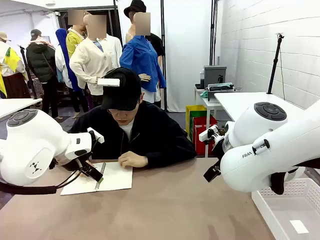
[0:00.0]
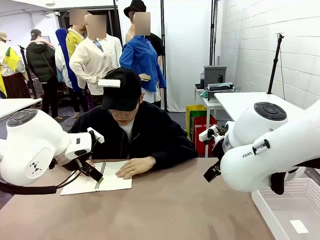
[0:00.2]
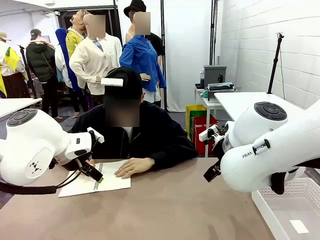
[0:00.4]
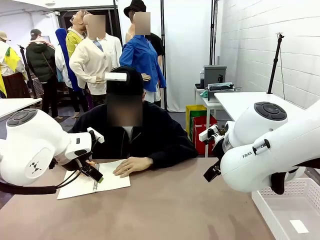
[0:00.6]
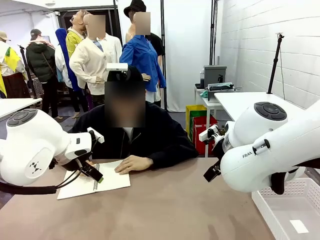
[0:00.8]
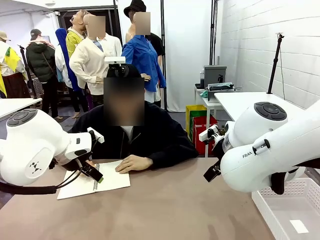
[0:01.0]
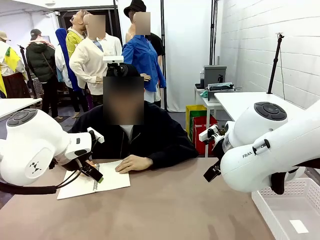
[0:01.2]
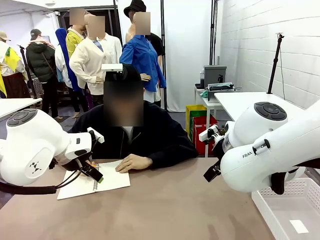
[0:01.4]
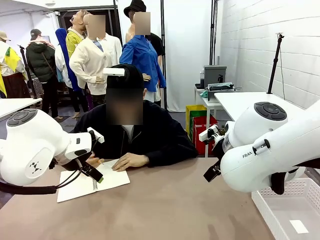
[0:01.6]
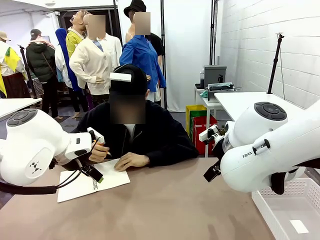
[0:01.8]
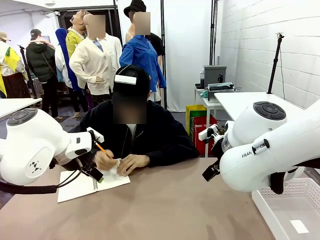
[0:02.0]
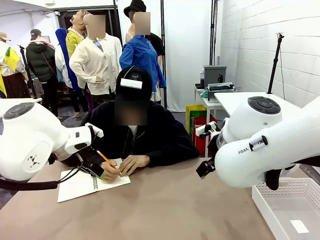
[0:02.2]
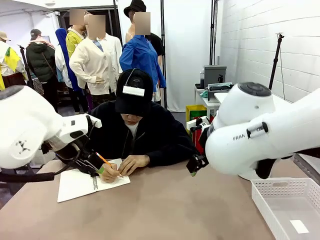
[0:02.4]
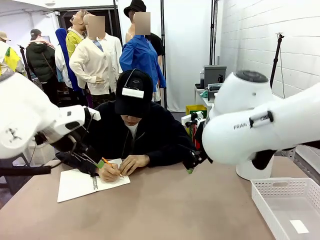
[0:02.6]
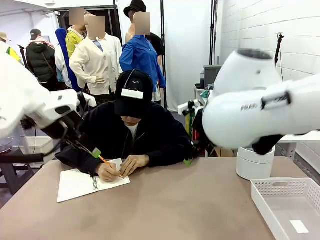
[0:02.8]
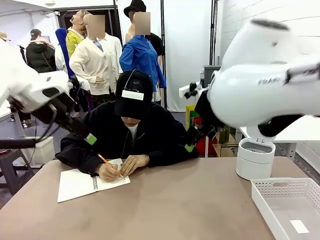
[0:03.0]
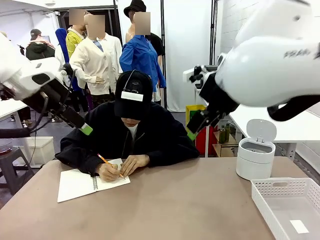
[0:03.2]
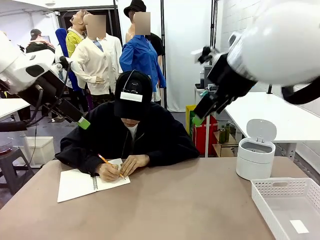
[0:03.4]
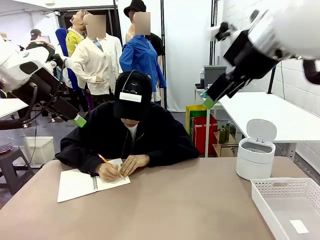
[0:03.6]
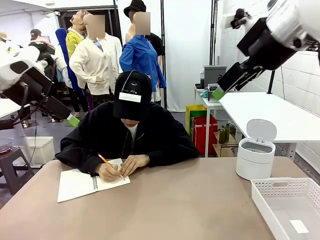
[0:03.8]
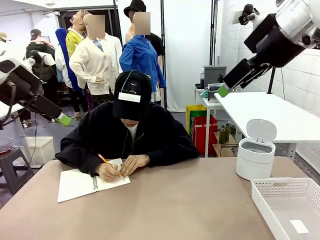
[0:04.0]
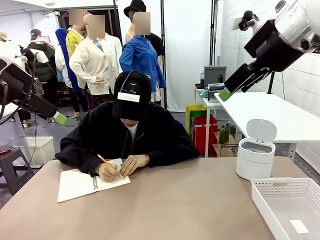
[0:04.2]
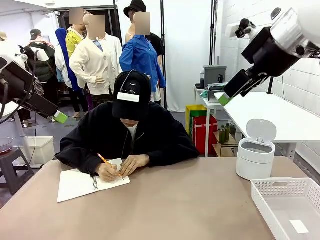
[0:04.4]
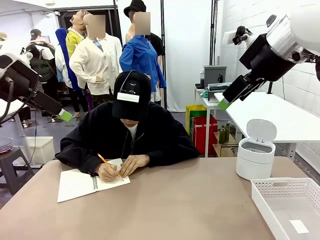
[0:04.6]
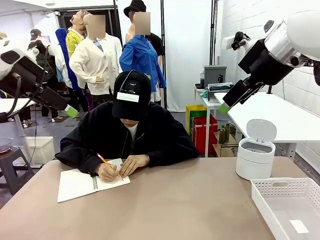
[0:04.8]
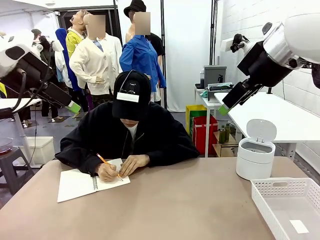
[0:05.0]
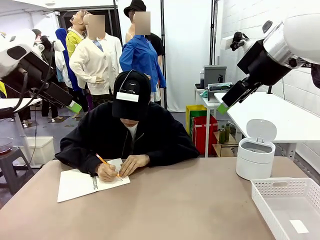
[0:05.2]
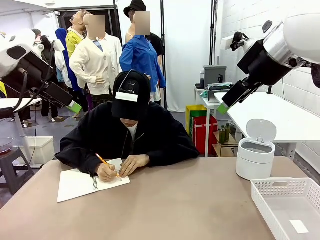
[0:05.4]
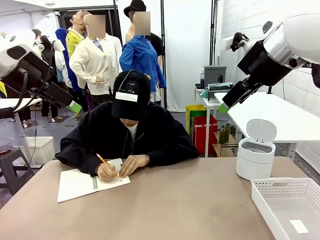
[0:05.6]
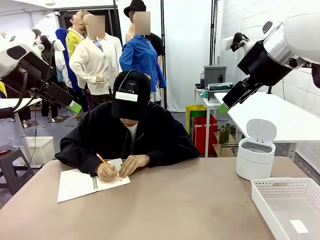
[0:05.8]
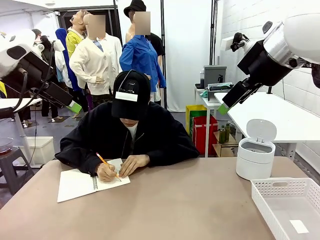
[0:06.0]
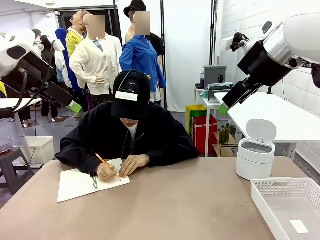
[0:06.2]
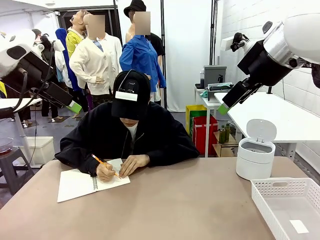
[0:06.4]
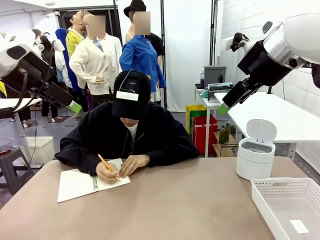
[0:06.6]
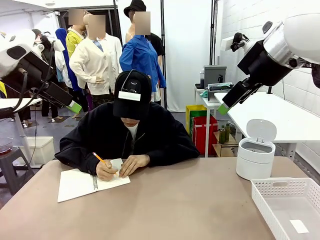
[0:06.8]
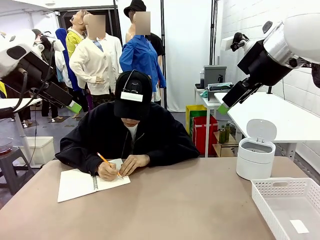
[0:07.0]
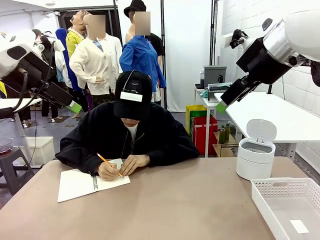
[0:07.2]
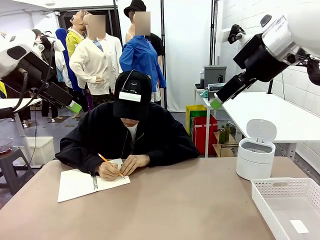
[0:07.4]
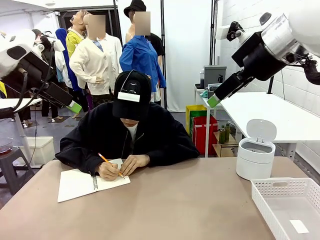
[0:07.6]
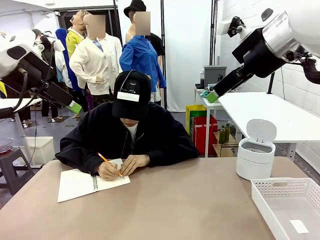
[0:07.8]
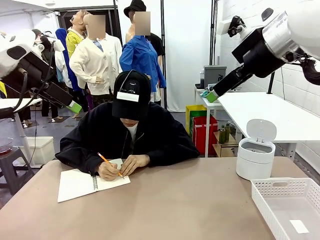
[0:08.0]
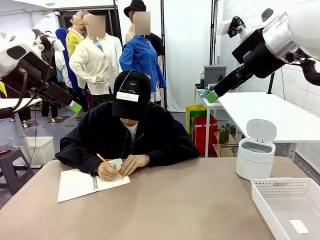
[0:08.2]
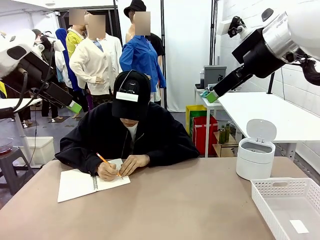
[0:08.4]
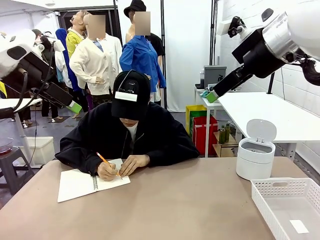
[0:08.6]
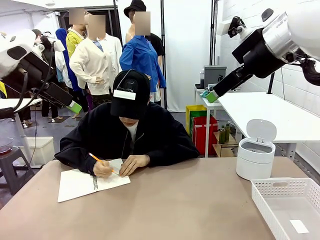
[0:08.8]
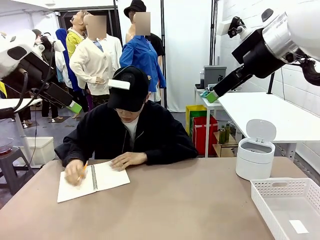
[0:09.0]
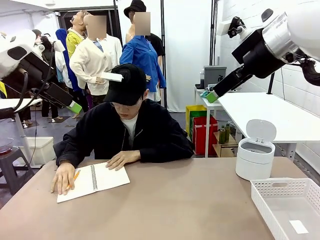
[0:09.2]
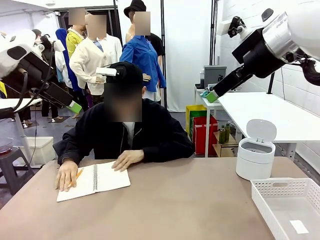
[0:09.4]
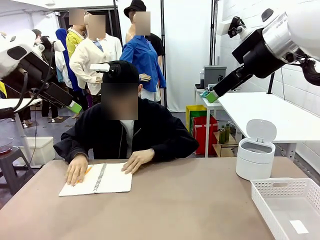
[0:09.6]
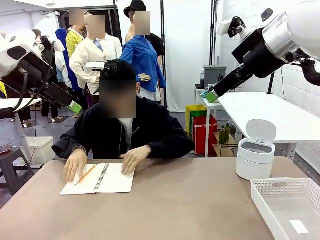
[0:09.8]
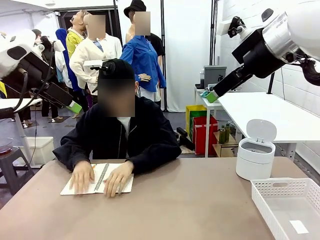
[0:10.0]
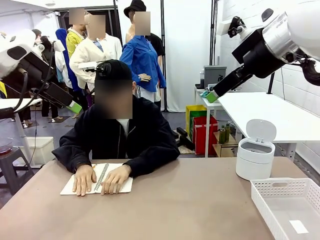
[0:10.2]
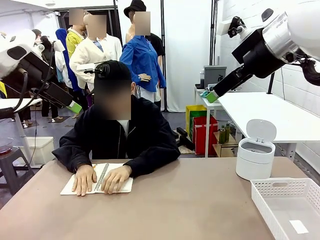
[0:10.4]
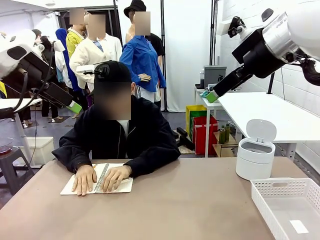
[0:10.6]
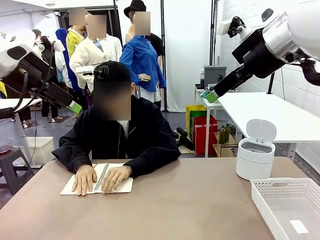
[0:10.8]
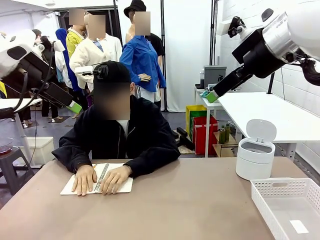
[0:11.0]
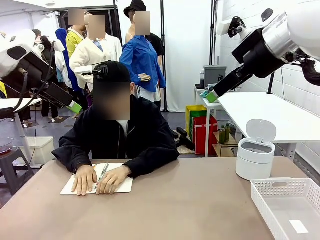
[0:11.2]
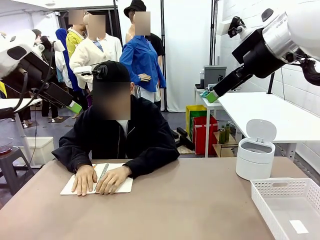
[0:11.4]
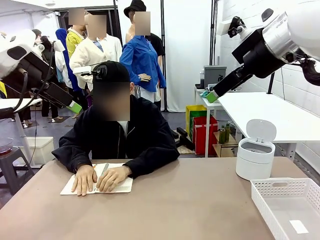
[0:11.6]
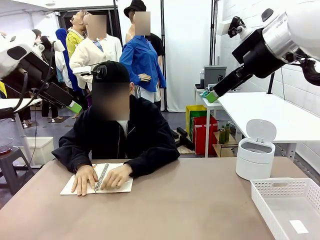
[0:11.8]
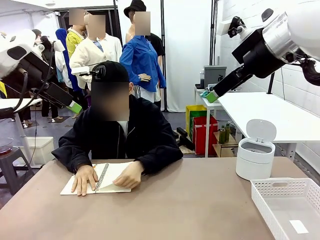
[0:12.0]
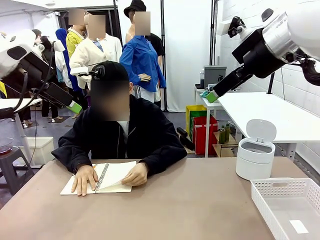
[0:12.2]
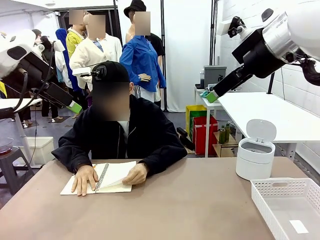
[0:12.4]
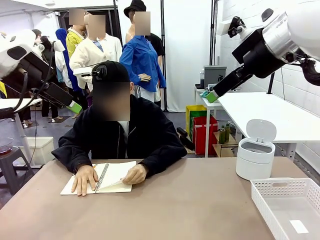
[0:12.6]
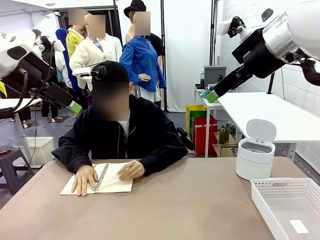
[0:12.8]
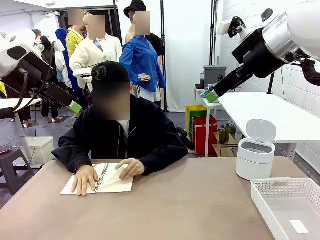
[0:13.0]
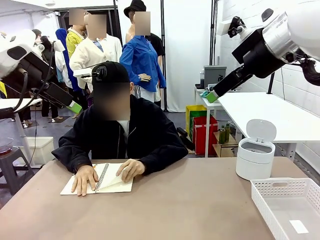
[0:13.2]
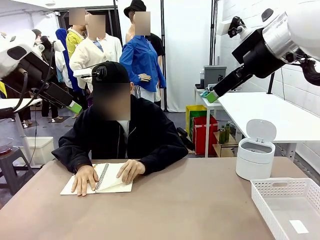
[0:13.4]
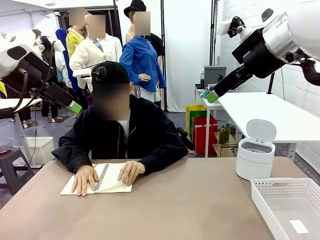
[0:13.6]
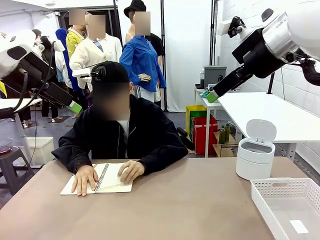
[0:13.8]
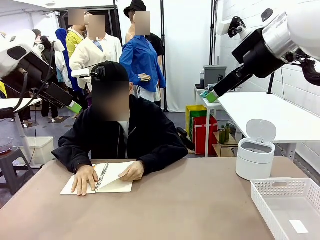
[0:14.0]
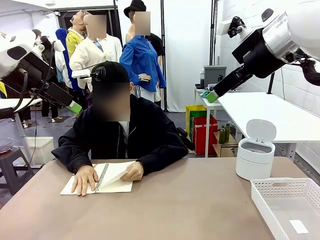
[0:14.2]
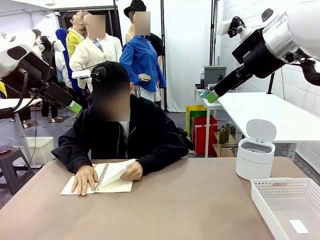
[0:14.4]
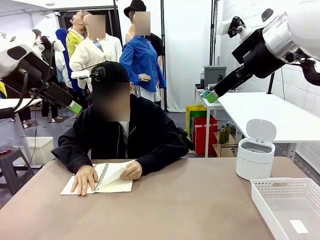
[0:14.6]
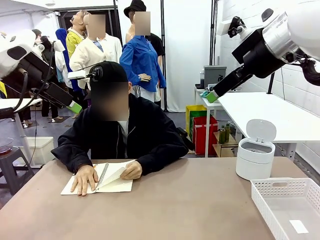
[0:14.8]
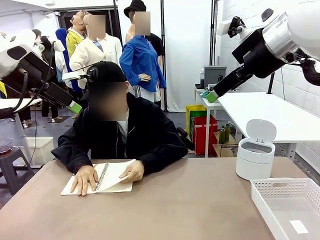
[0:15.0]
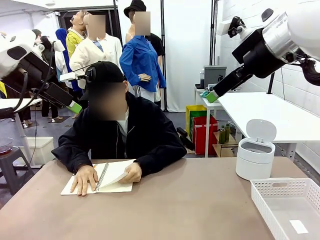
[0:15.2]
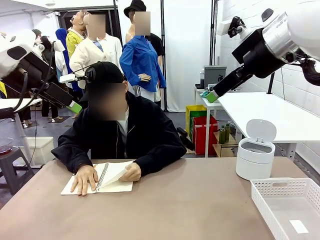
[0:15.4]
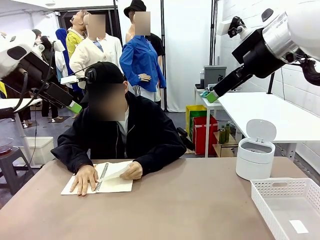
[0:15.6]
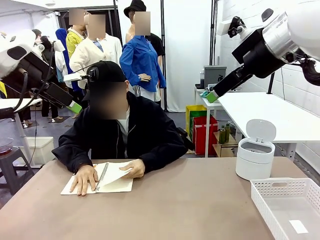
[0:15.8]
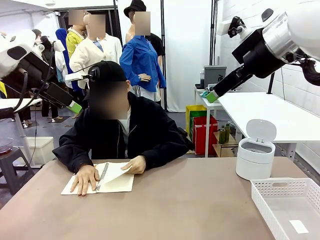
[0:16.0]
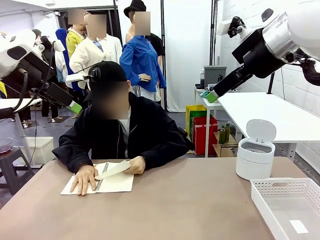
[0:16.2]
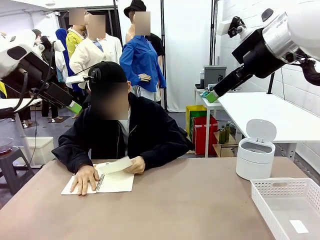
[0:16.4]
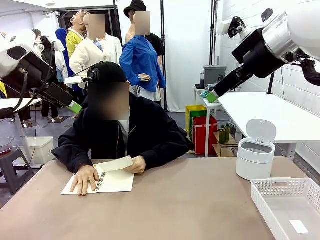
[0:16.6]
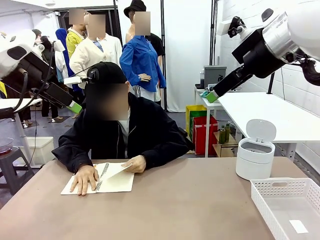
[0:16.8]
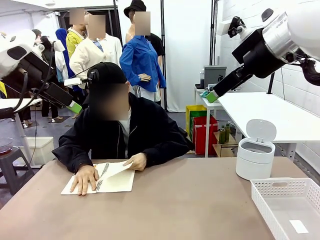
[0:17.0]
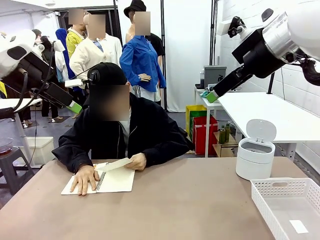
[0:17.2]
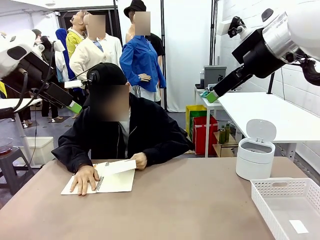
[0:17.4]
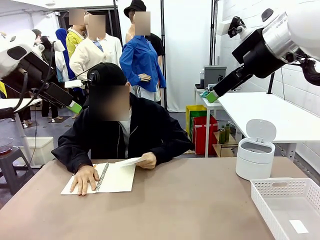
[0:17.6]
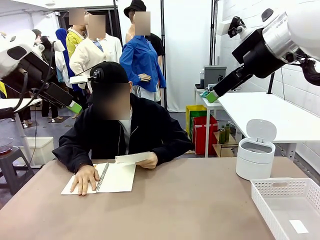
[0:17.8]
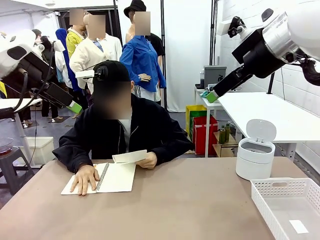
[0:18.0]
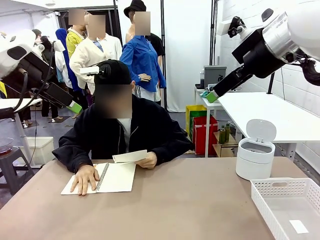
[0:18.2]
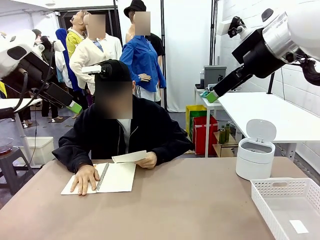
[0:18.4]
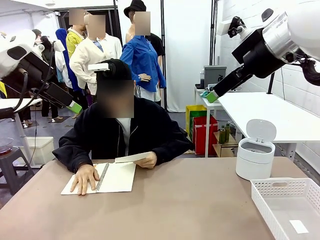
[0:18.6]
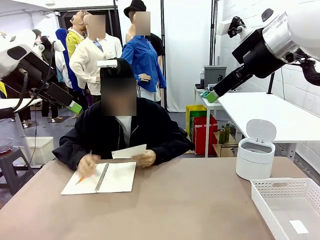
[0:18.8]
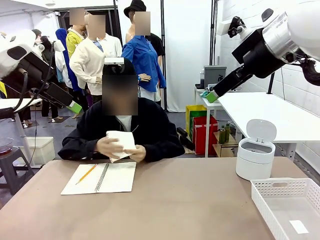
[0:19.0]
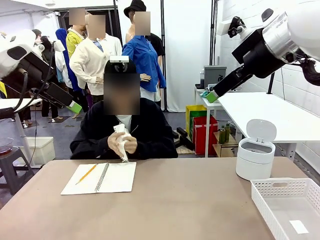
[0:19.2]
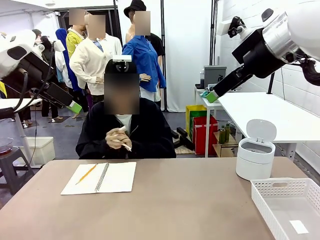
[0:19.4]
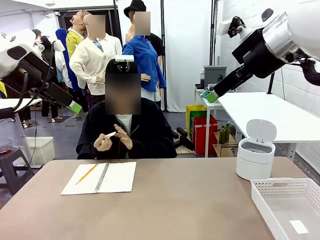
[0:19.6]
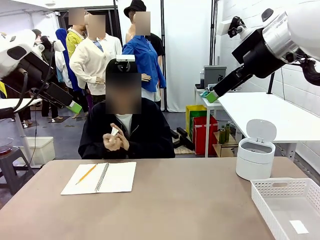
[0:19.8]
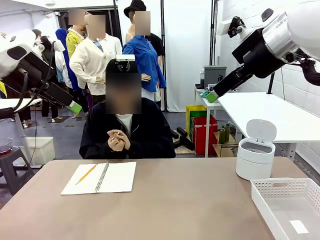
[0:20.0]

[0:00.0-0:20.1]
Task: Sort the paper based on its condition.
Robot: If a person hands you a paper, place it in the Organizing basket , and if it's crumpled, put it in the Trash can.
Person: Tear out a page from the spiral notebook.
